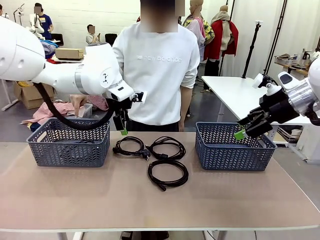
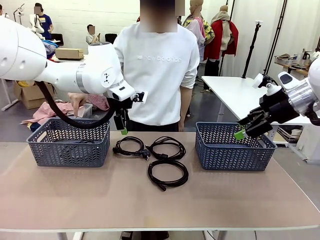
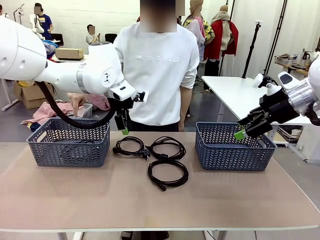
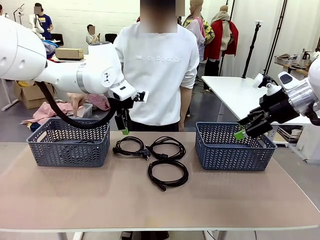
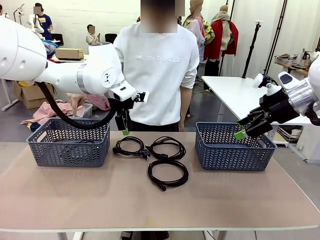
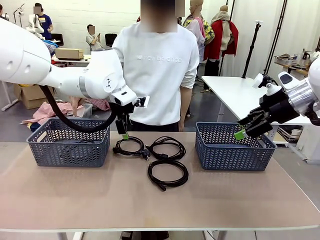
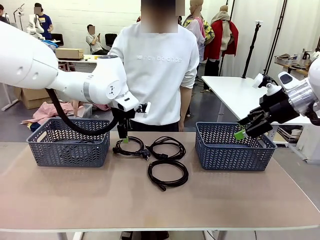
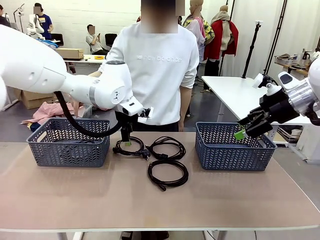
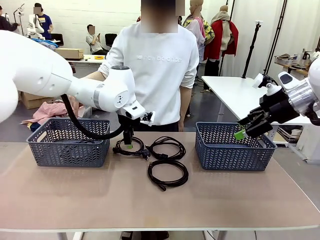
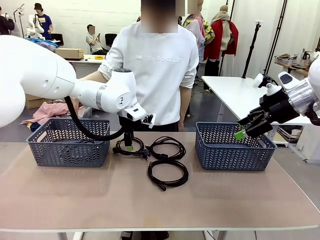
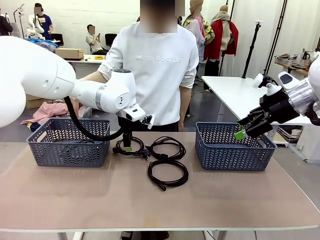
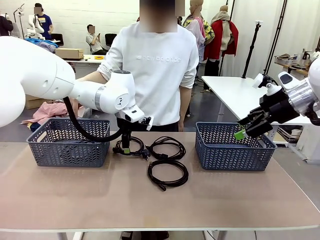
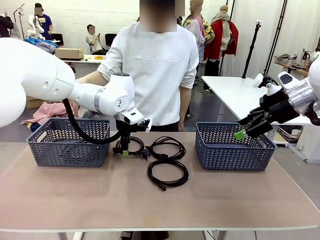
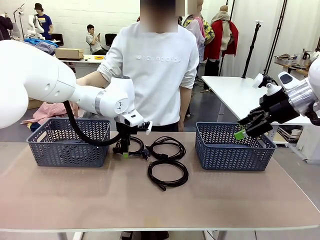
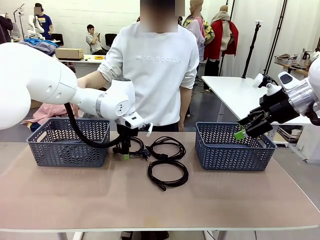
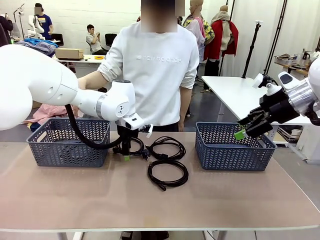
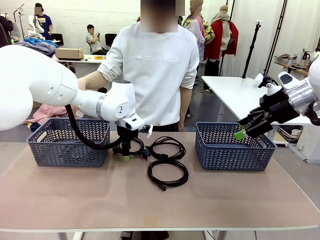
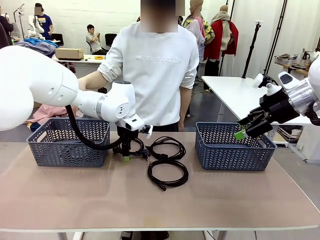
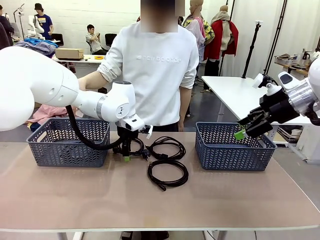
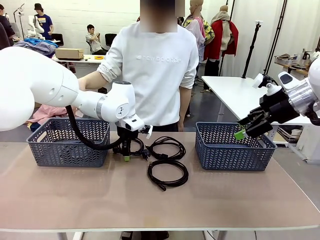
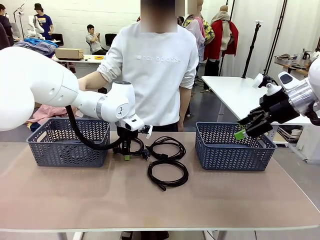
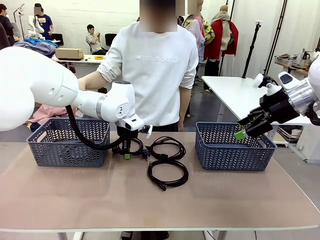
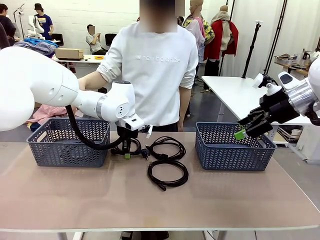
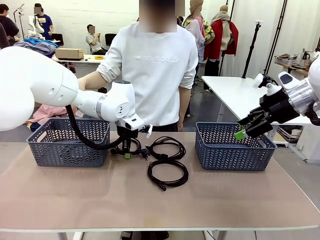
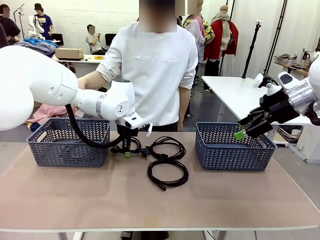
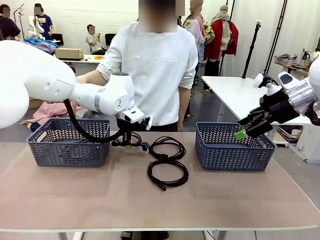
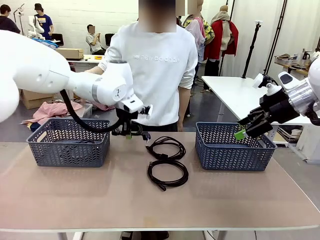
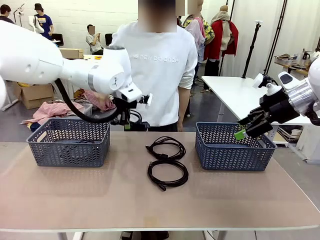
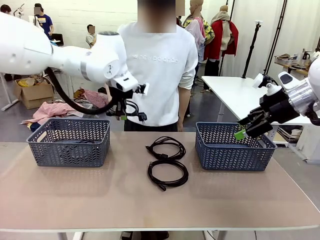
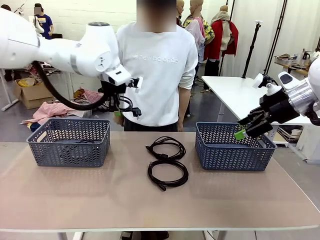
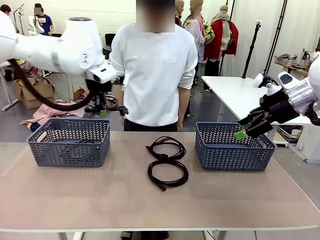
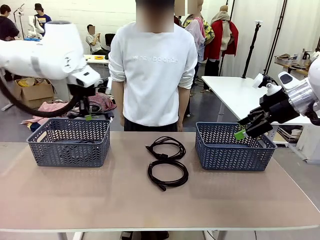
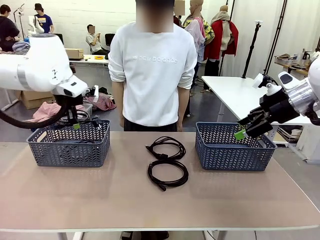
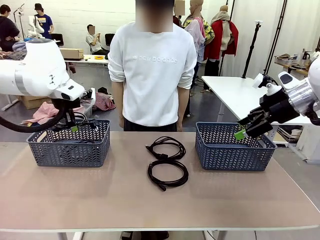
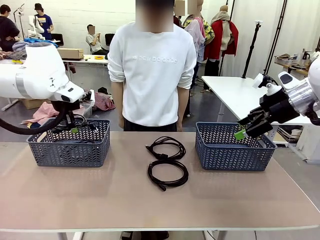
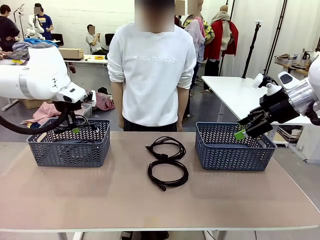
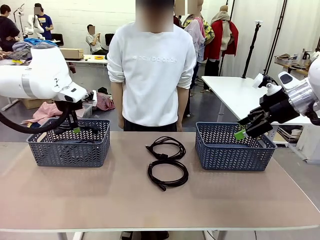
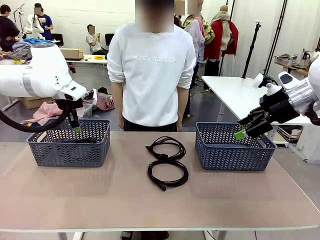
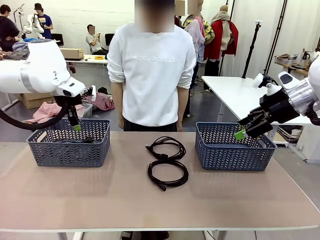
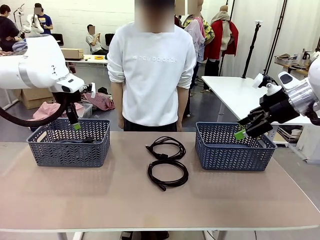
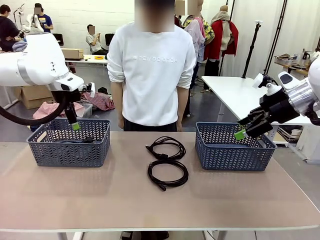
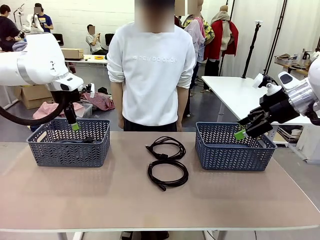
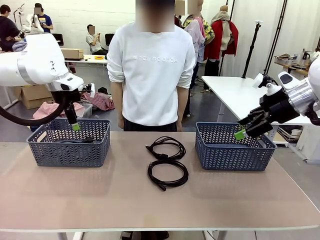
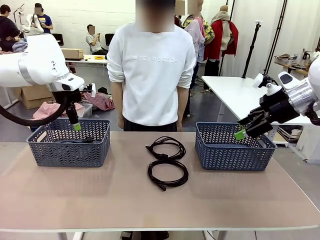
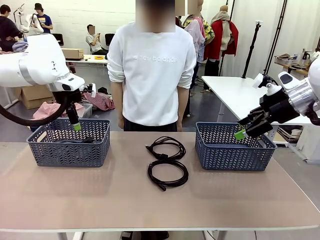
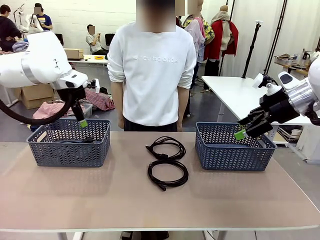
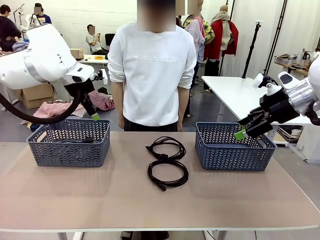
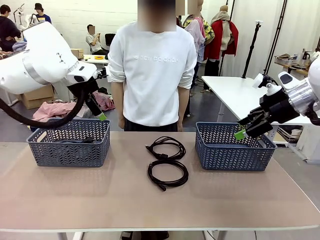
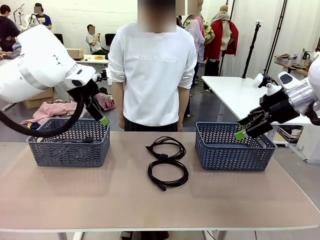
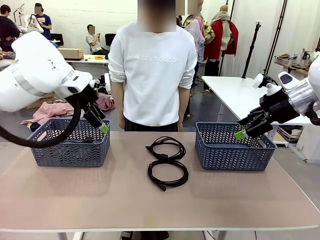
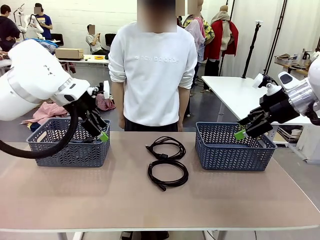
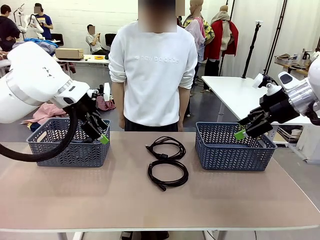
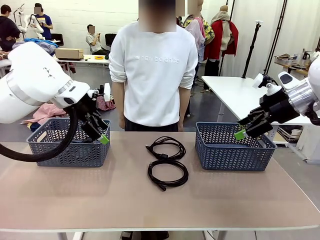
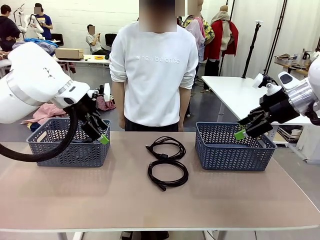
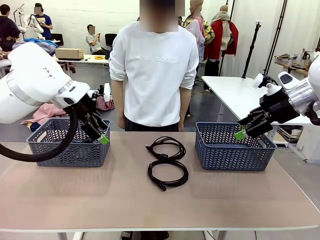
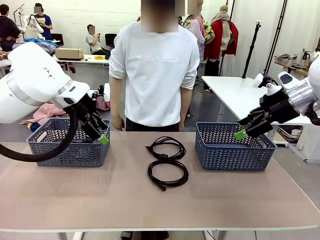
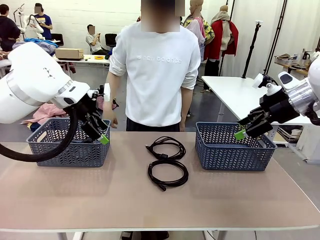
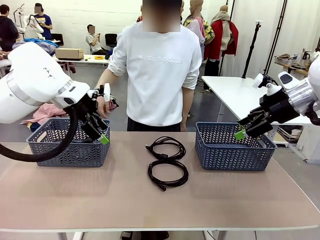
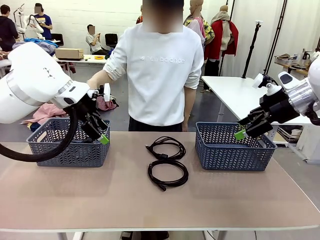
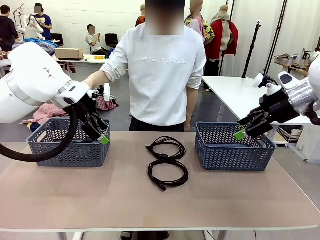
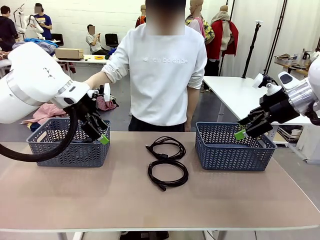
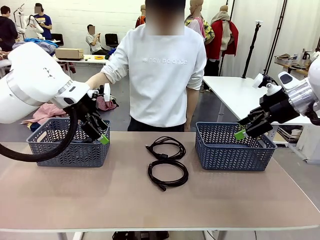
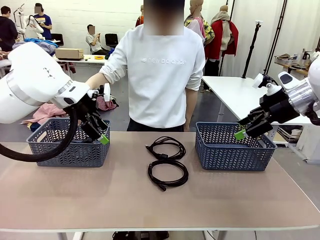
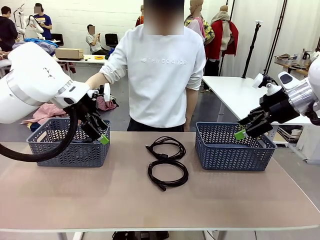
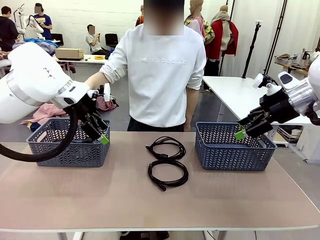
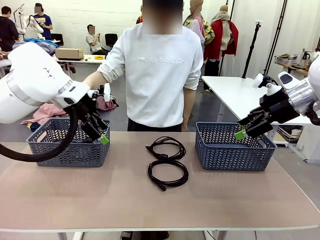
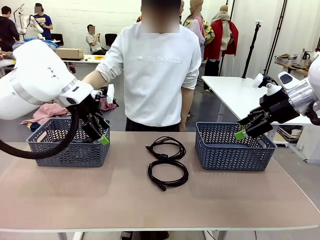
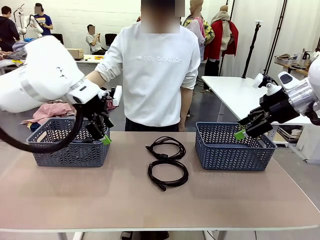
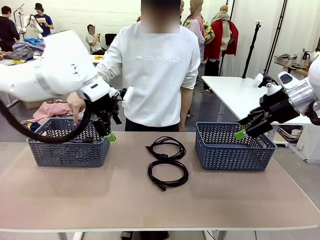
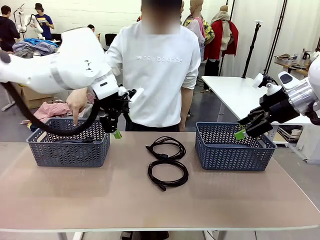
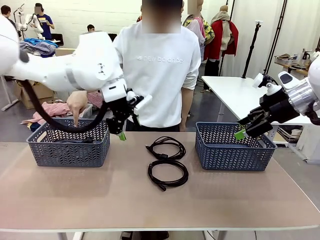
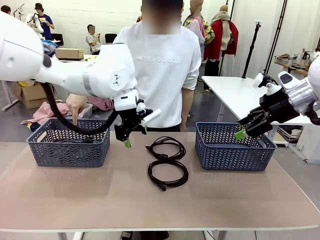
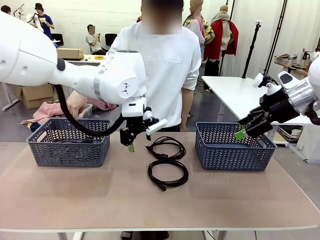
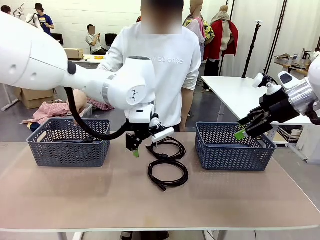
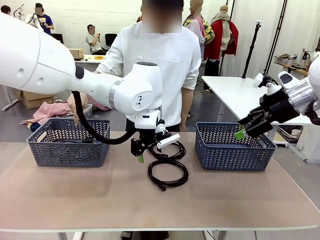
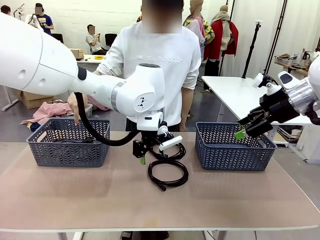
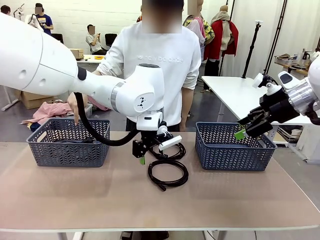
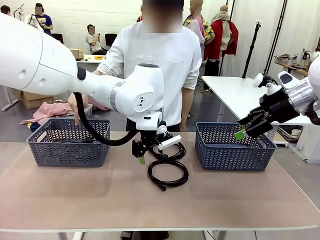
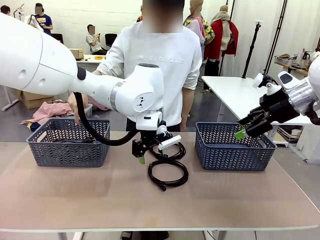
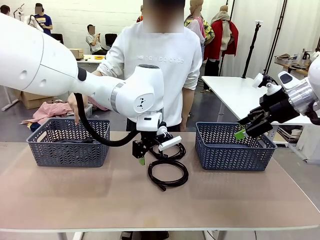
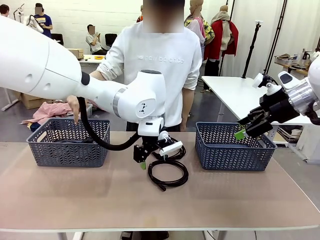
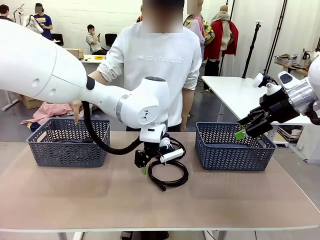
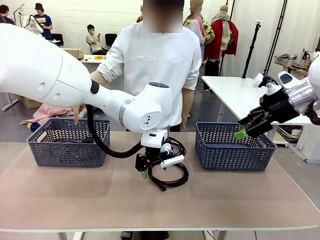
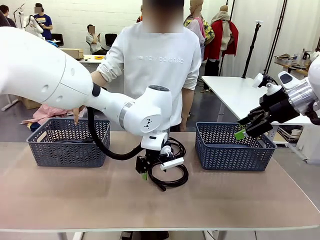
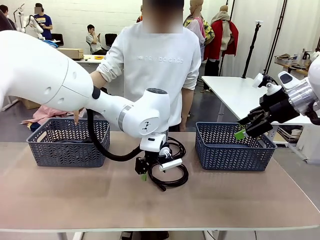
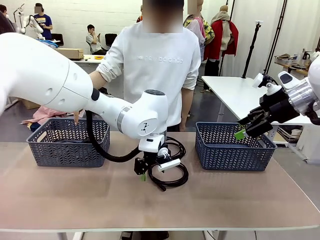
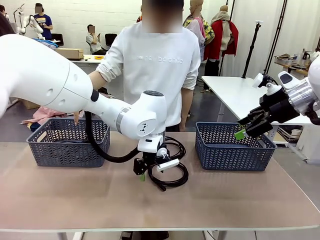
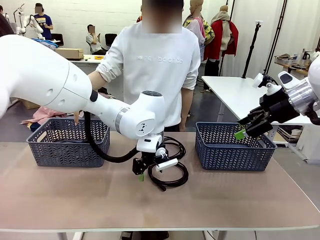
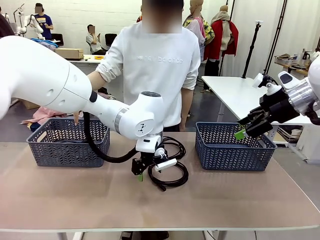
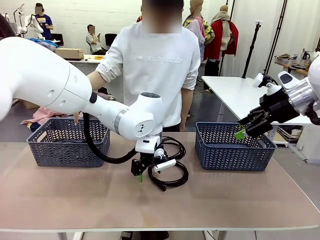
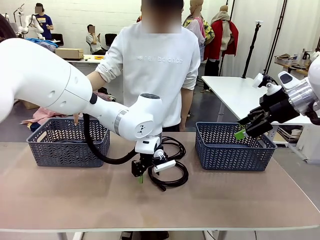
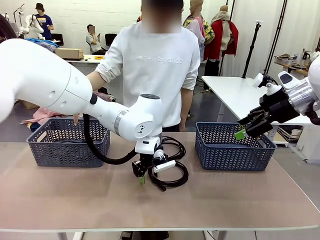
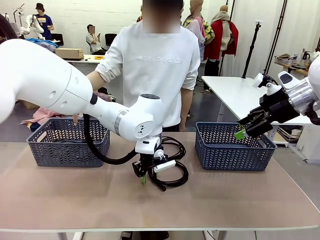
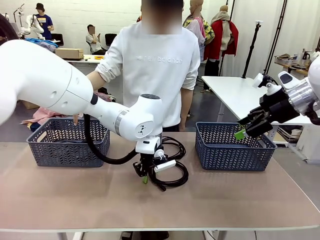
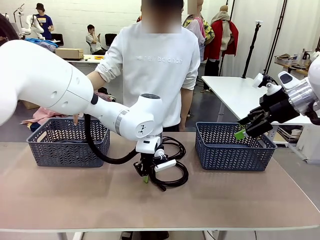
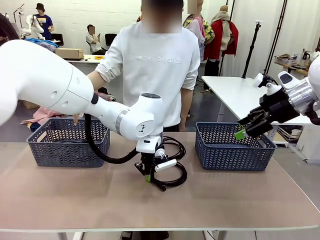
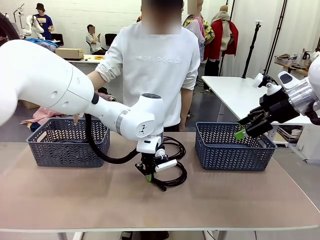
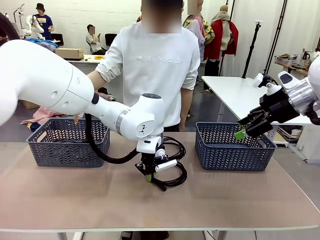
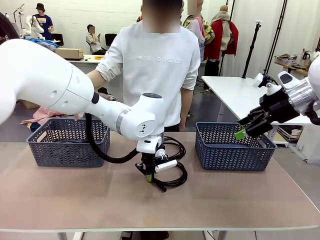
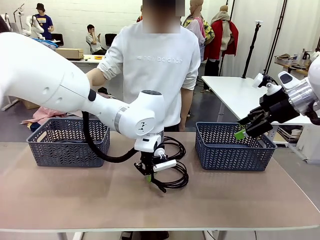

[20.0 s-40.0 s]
Task: Organize the cables according to human instructions.
Robot: Pick up a bundle of cables and place it in the basket indicated by the human.
